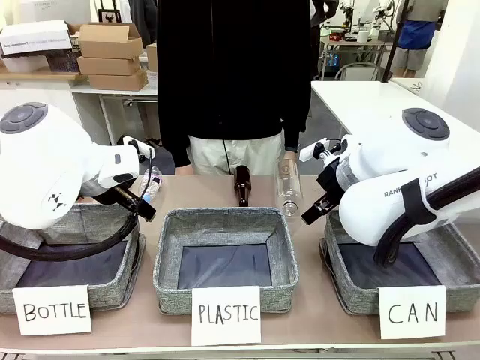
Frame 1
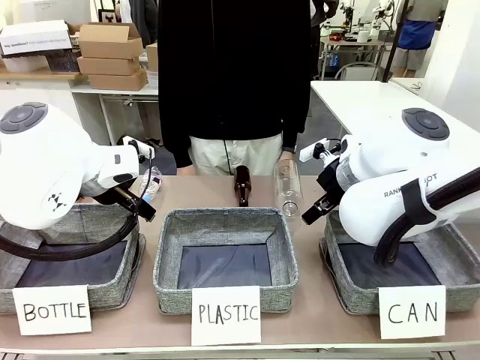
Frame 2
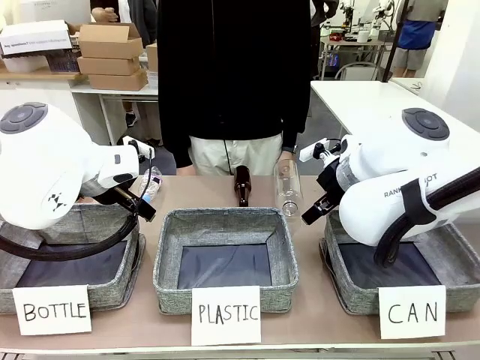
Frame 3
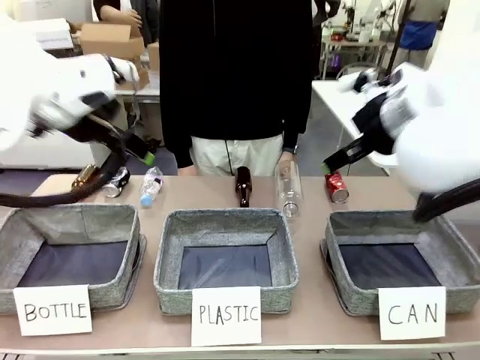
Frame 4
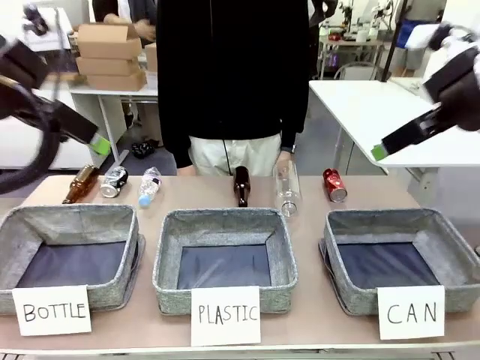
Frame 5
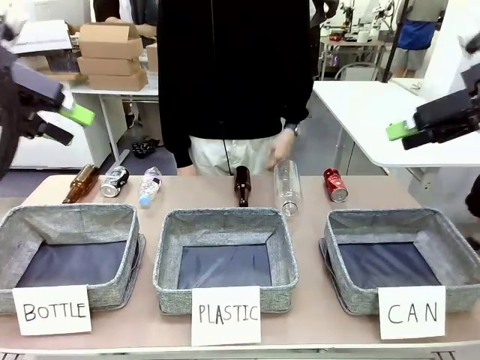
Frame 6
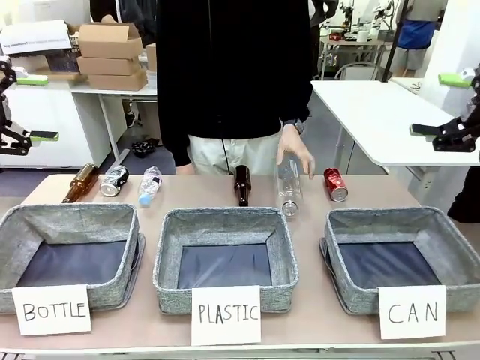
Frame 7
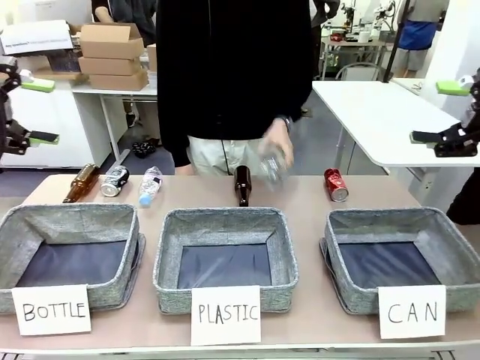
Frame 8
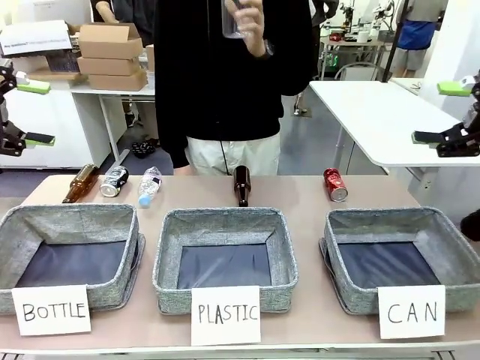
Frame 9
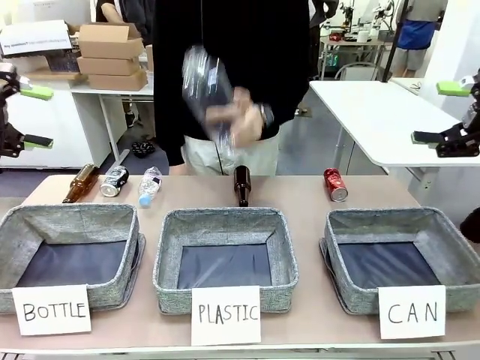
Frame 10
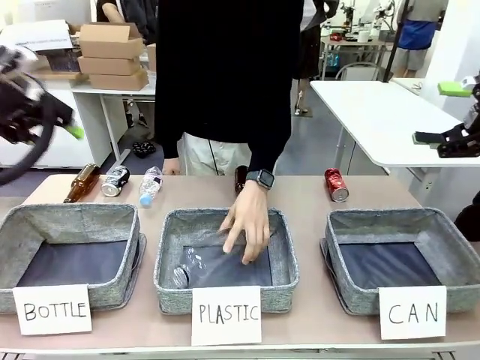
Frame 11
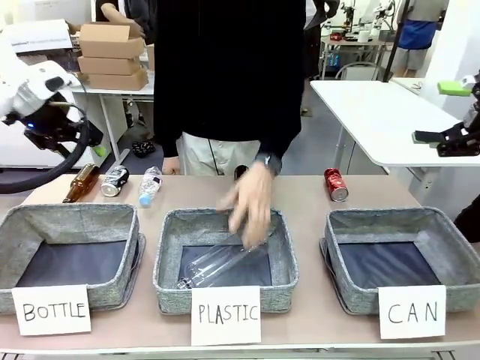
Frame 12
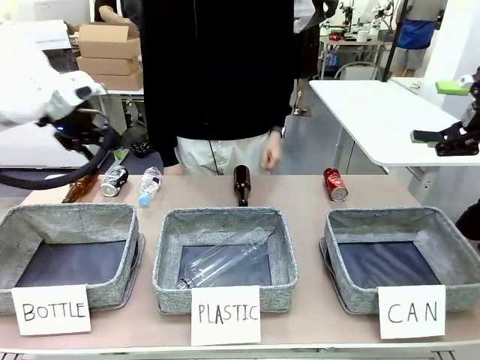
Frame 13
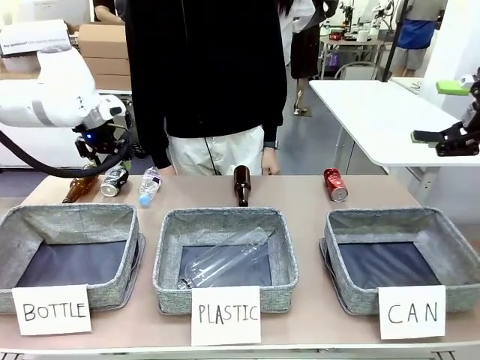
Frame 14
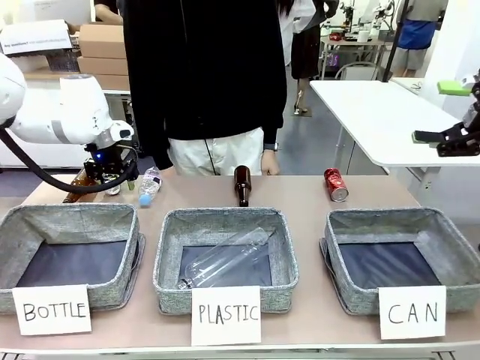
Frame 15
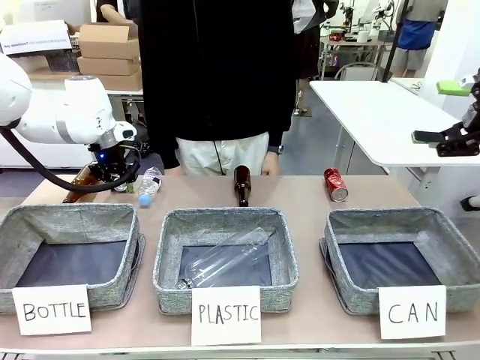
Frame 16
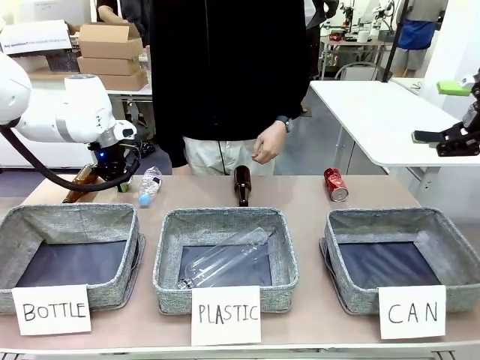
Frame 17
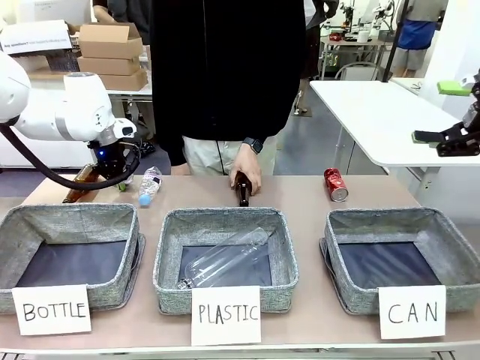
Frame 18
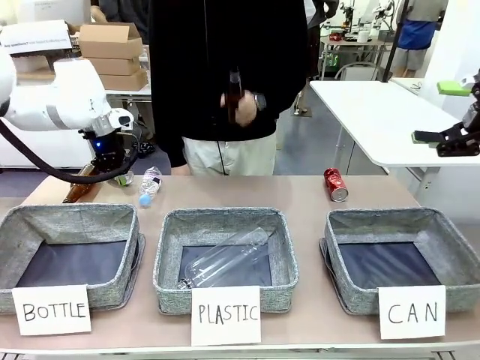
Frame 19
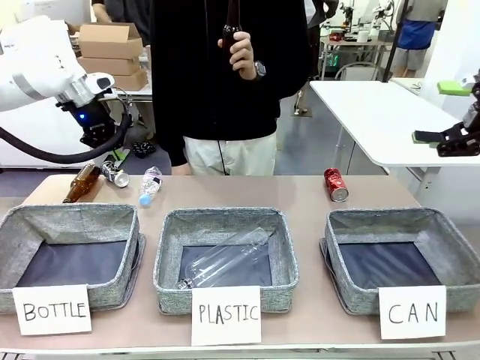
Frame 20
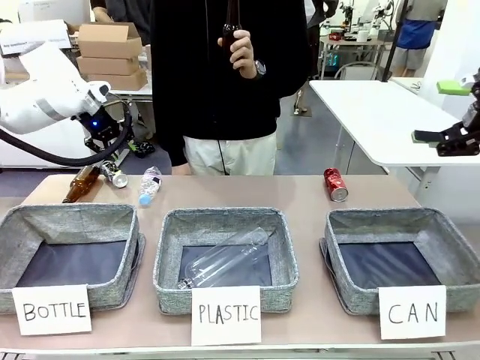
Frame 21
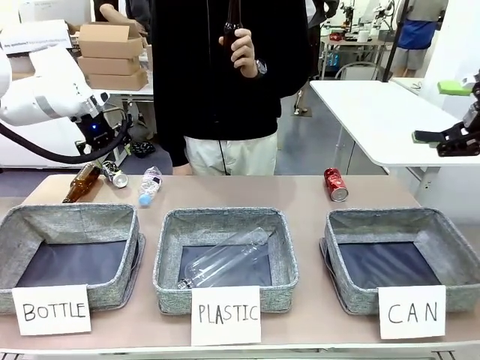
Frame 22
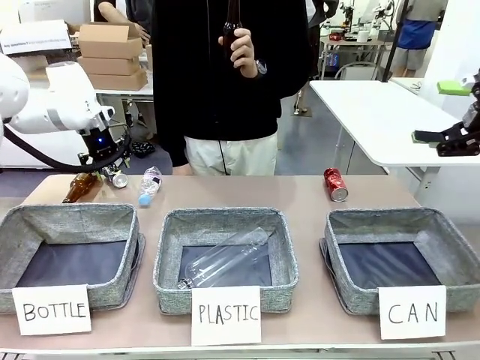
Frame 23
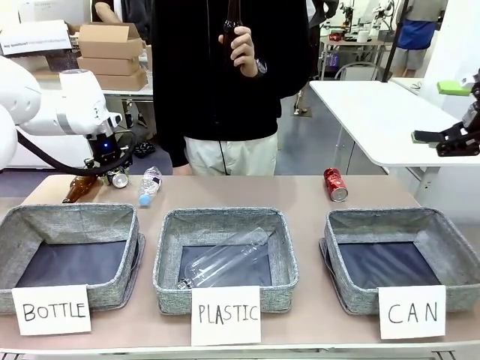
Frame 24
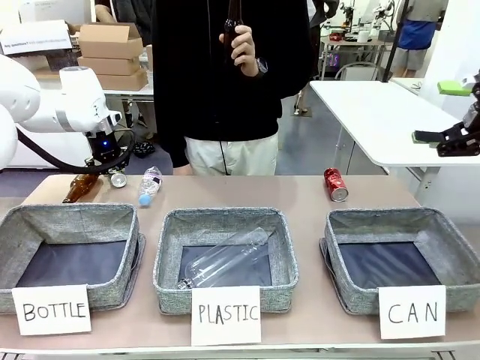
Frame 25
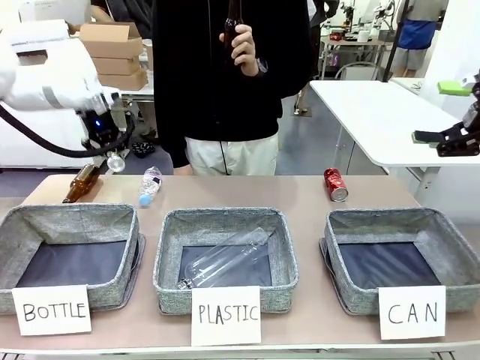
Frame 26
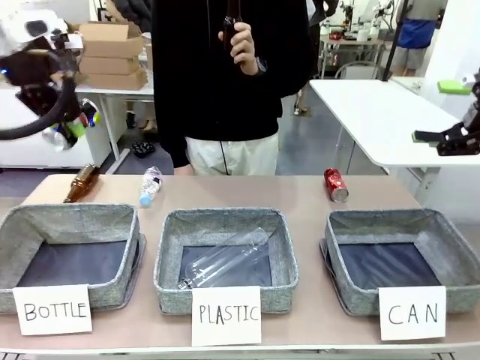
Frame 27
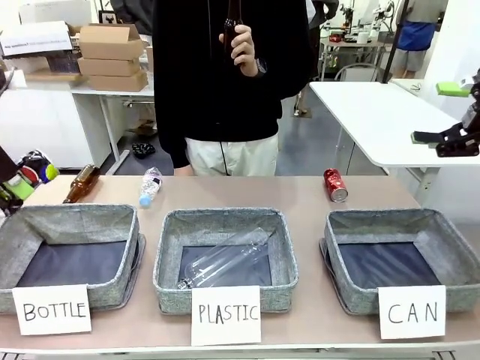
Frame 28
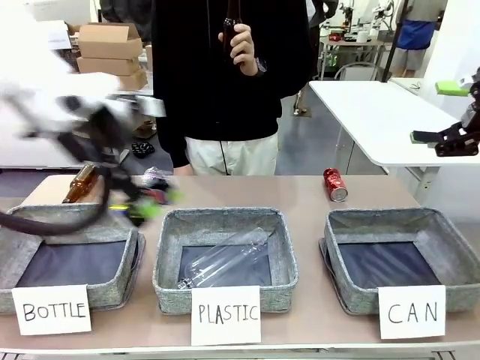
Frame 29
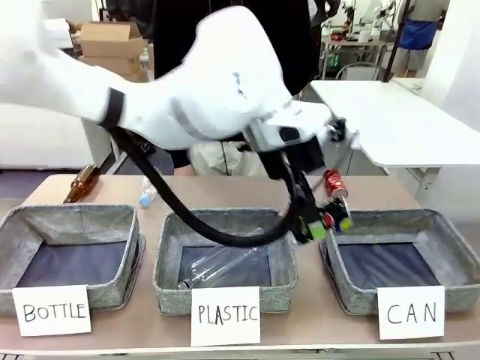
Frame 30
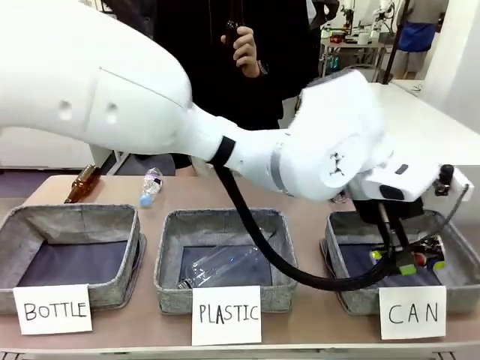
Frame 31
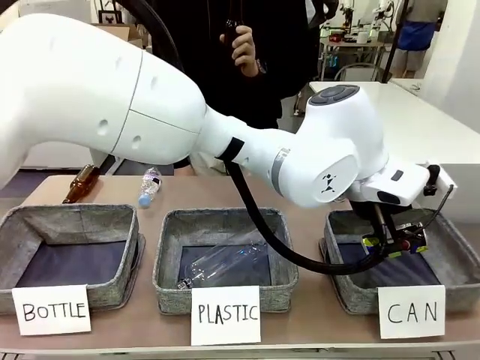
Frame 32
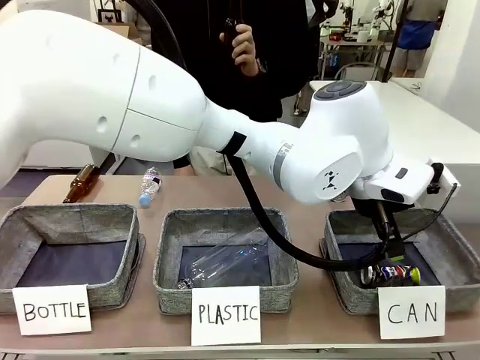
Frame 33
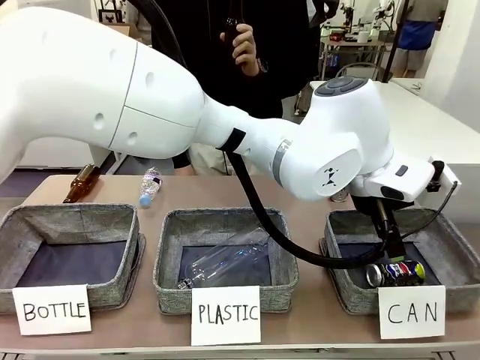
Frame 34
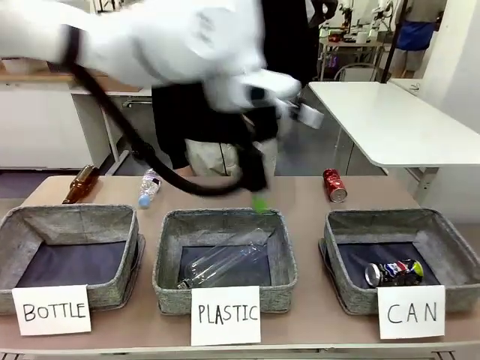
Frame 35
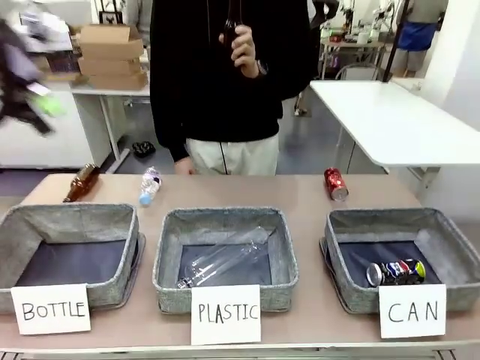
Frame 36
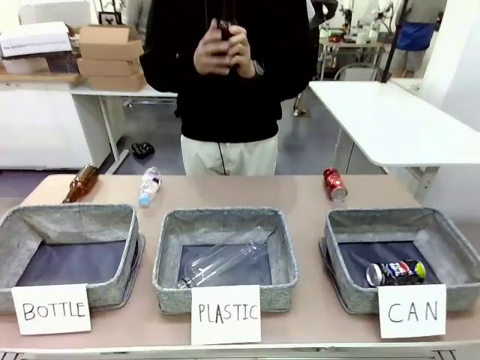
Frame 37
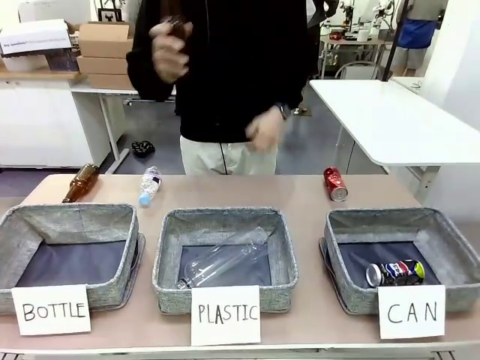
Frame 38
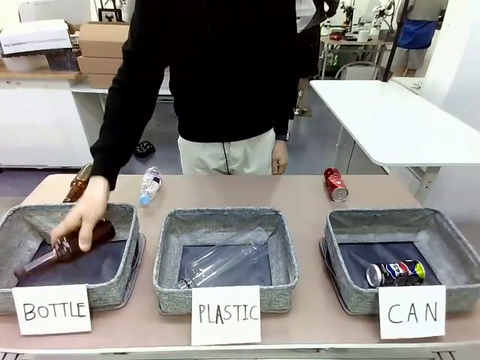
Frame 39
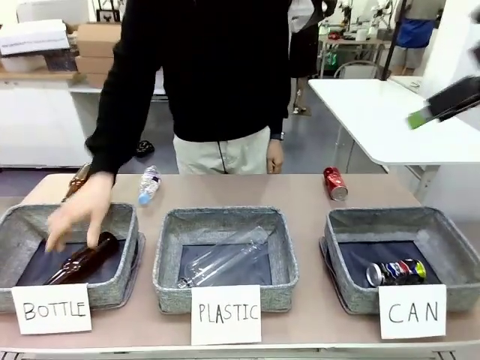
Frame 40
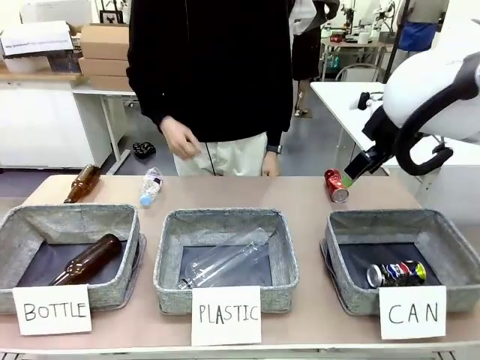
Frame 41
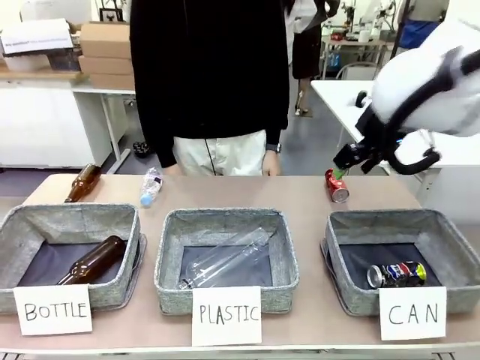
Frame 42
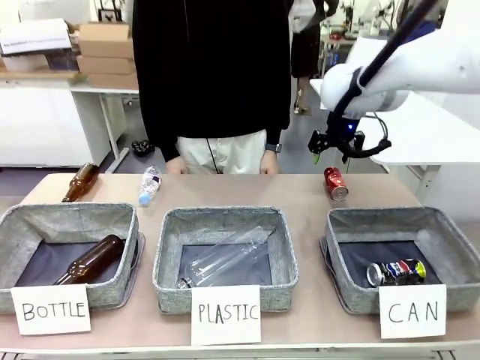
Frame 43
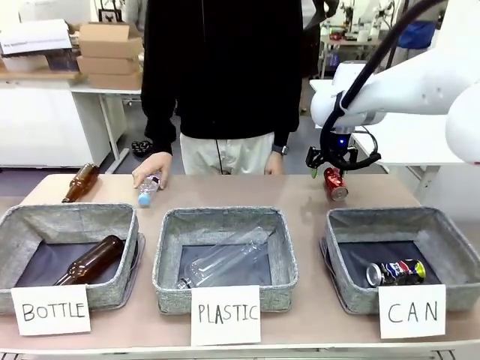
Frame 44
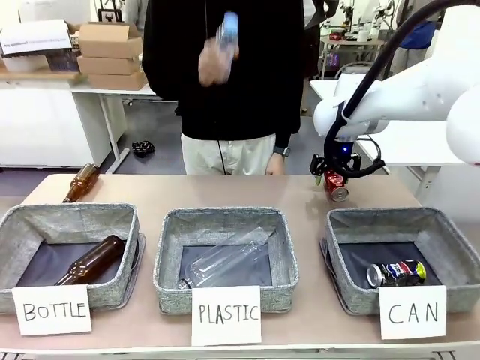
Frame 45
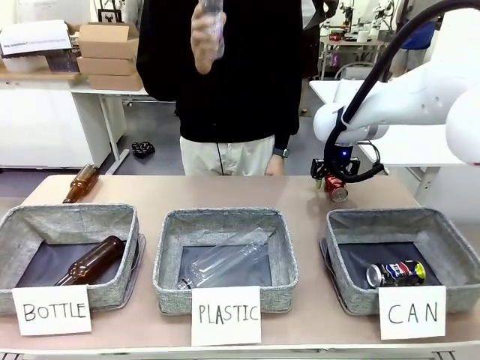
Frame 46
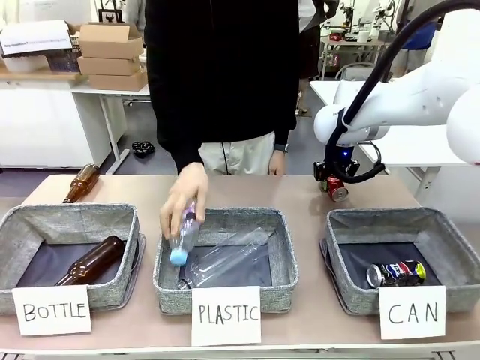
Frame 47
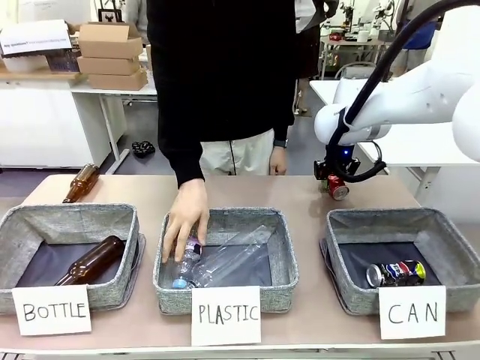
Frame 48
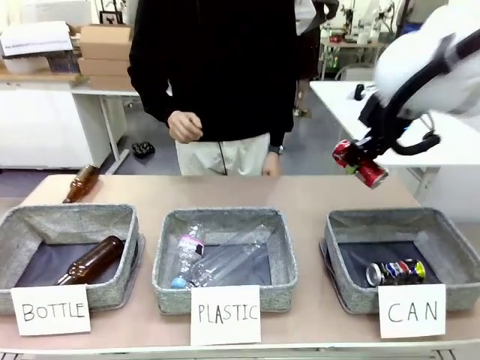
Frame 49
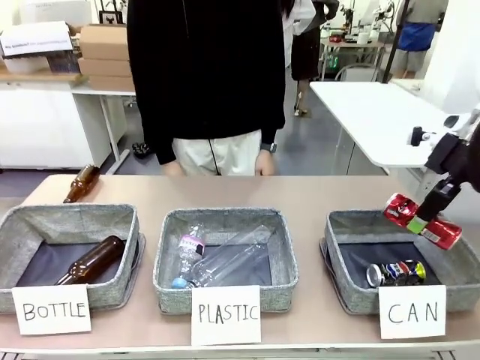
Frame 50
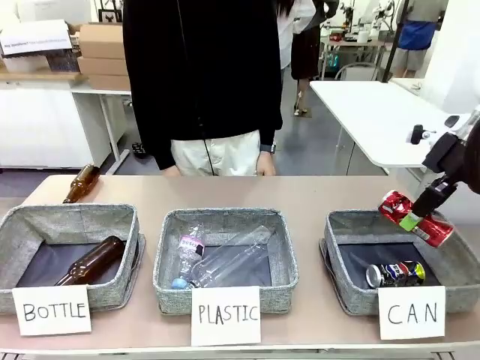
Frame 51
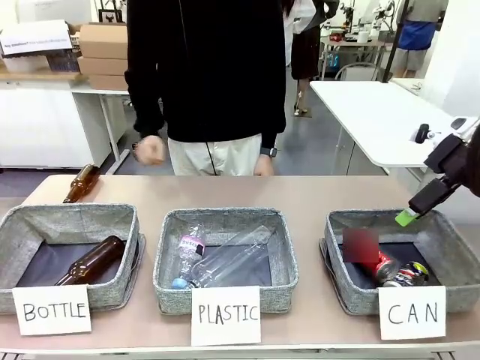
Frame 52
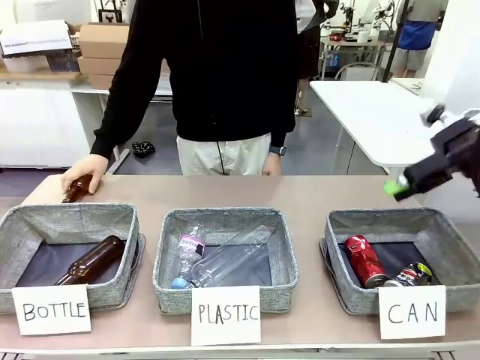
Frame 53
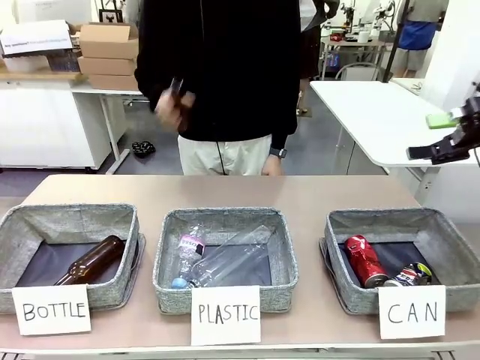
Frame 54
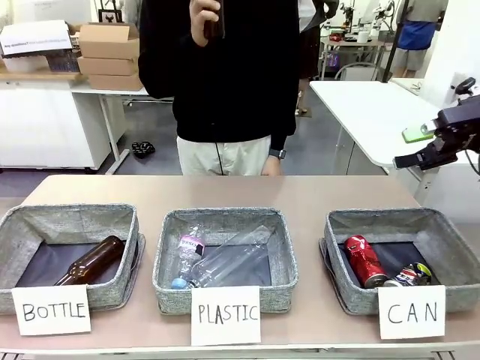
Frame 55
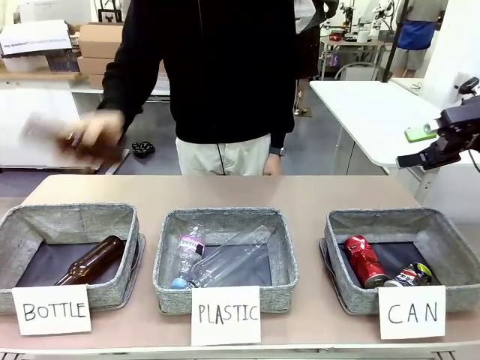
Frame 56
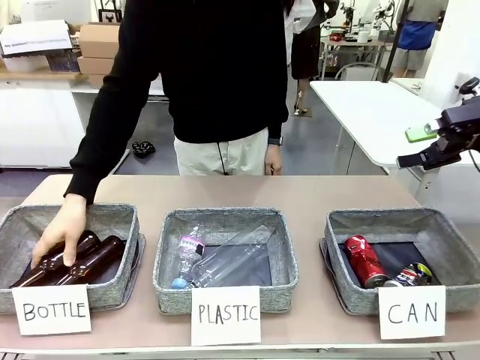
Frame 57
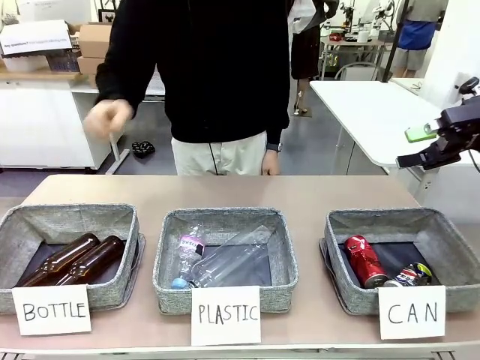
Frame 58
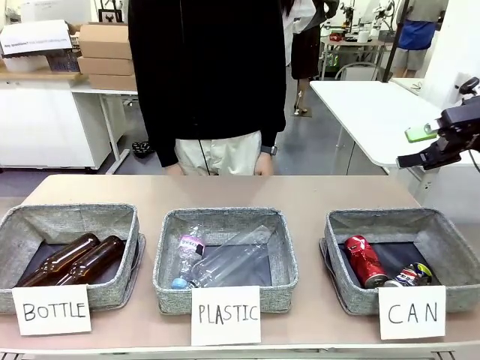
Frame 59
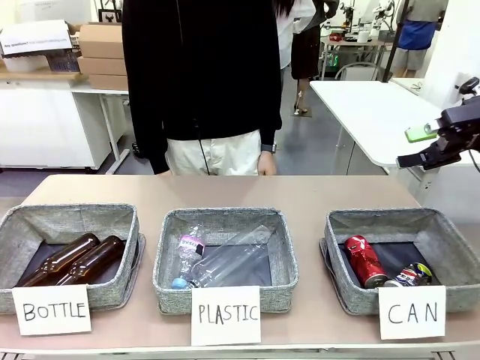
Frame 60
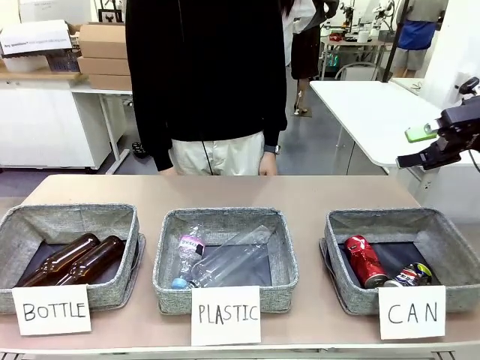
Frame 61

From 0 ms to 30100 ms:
Task: Sort the can waste into the basket.
Robot: Pick up the can waste from the table and place it in the right Fabric basket.
Person: The human picks up one piece of trash that is not a can and places the trash into the appropriate organizing basket.
